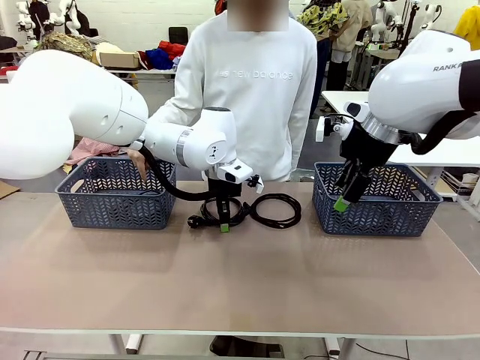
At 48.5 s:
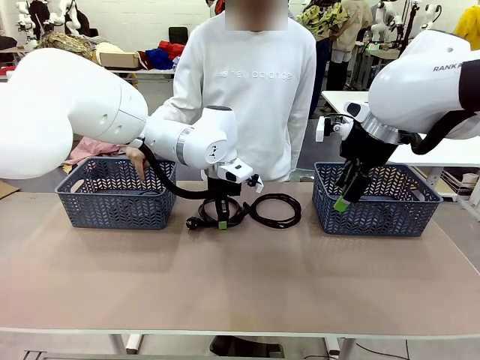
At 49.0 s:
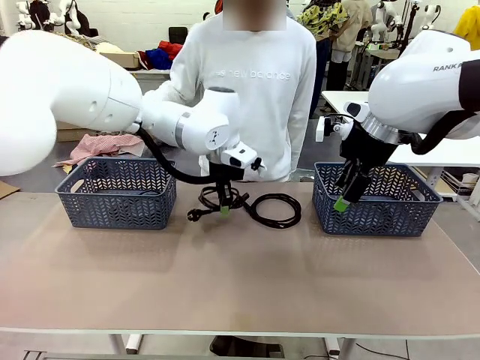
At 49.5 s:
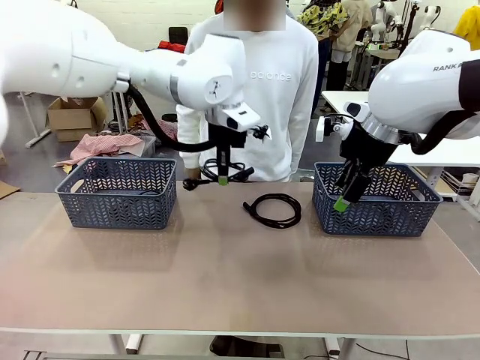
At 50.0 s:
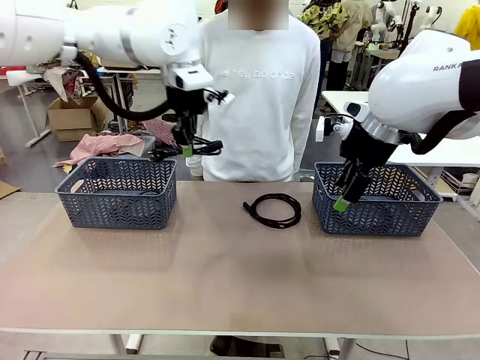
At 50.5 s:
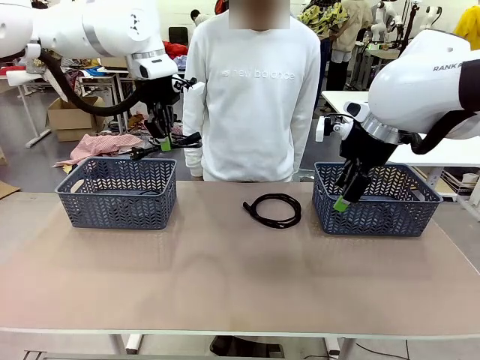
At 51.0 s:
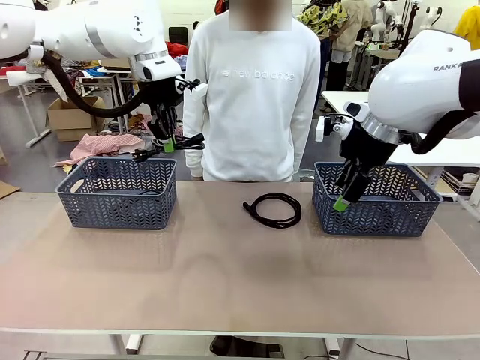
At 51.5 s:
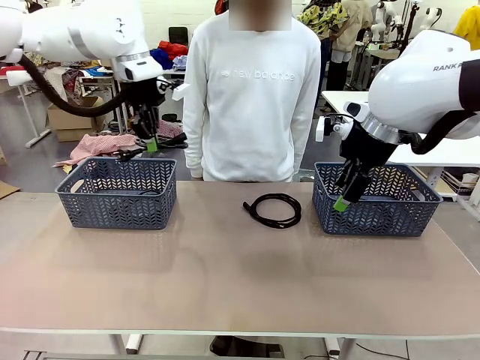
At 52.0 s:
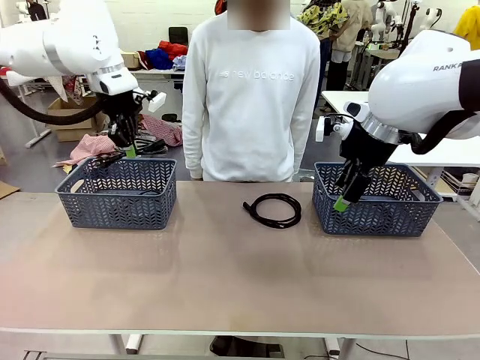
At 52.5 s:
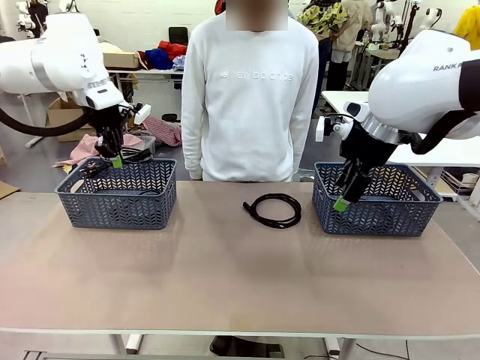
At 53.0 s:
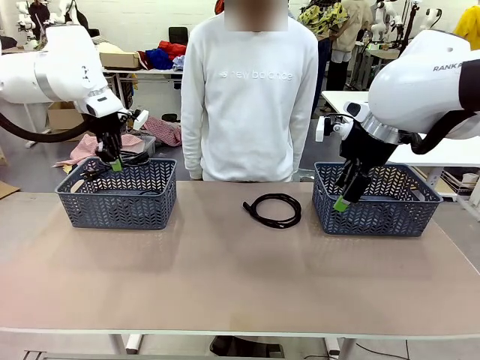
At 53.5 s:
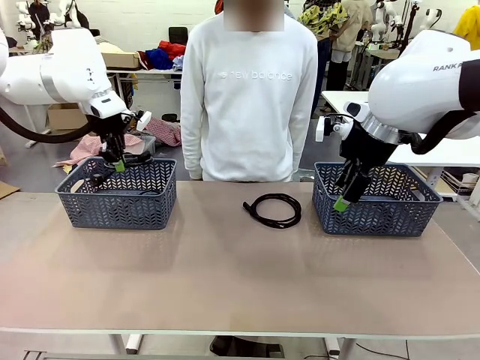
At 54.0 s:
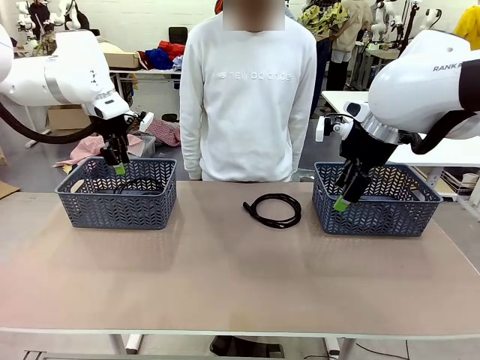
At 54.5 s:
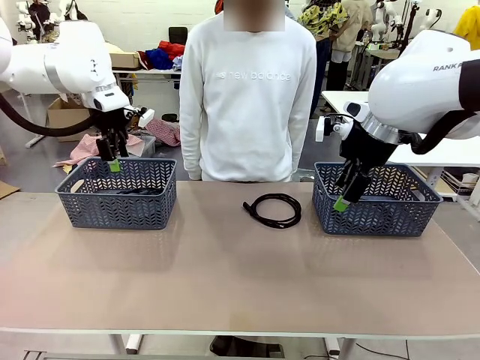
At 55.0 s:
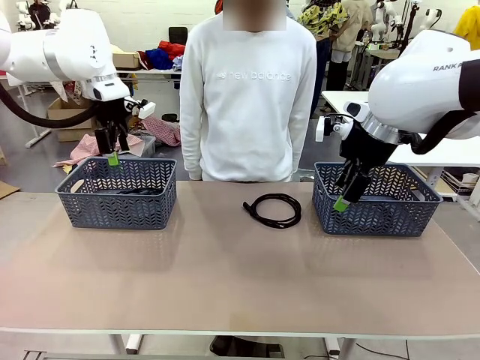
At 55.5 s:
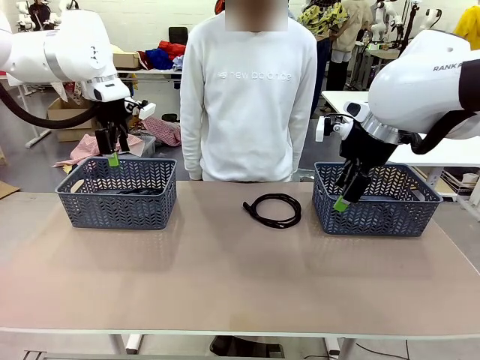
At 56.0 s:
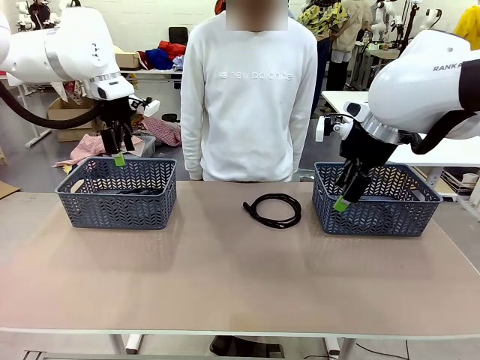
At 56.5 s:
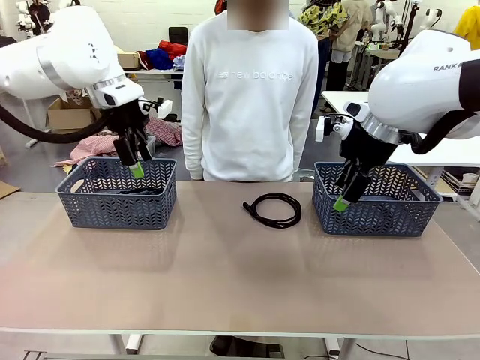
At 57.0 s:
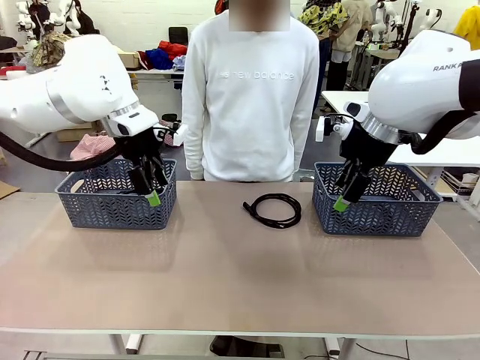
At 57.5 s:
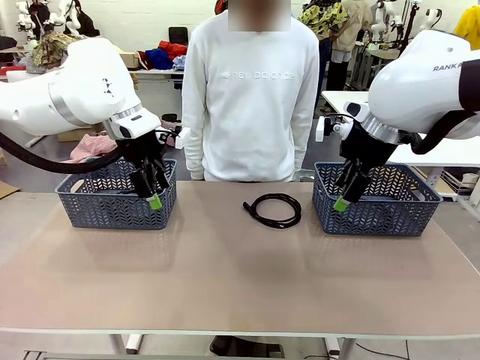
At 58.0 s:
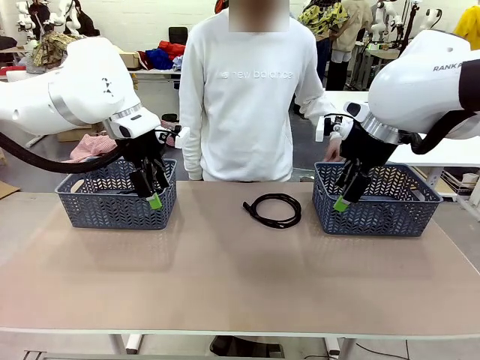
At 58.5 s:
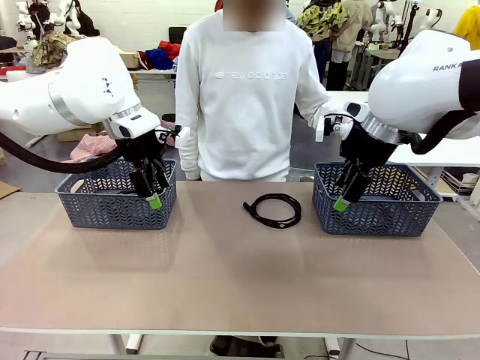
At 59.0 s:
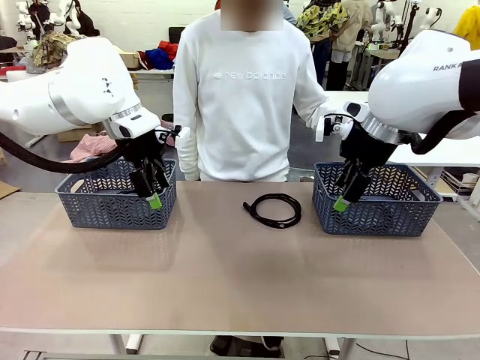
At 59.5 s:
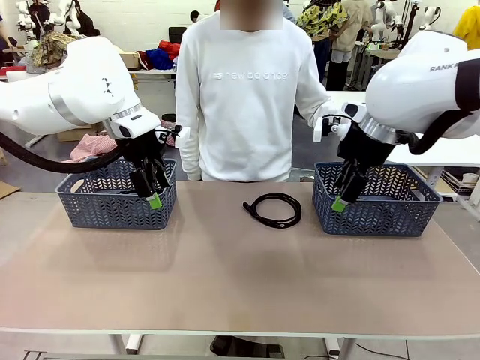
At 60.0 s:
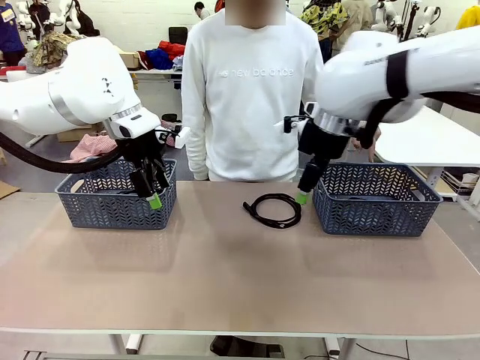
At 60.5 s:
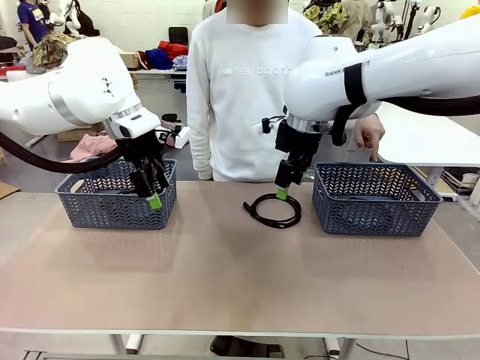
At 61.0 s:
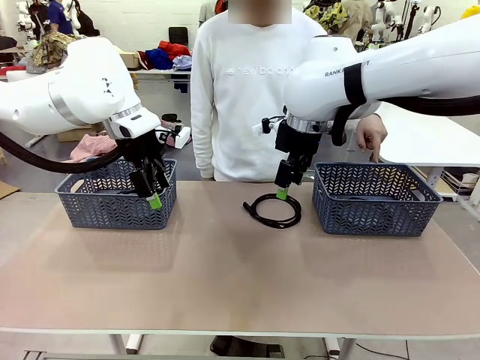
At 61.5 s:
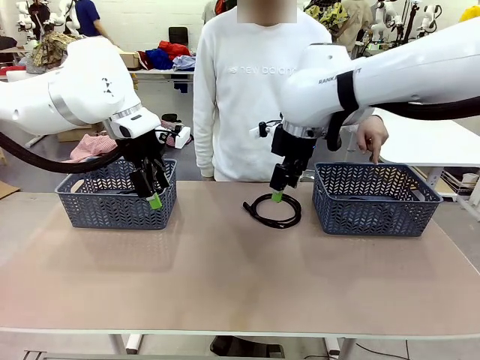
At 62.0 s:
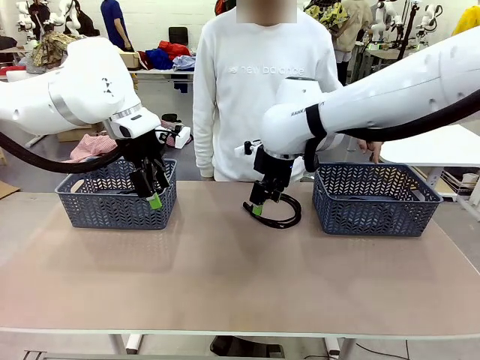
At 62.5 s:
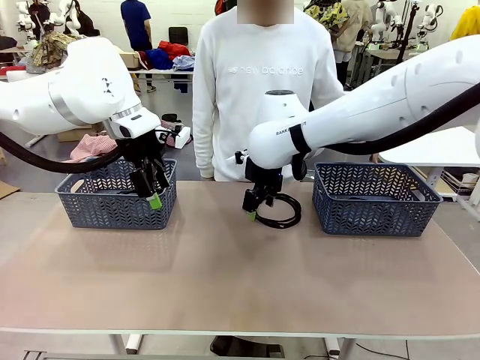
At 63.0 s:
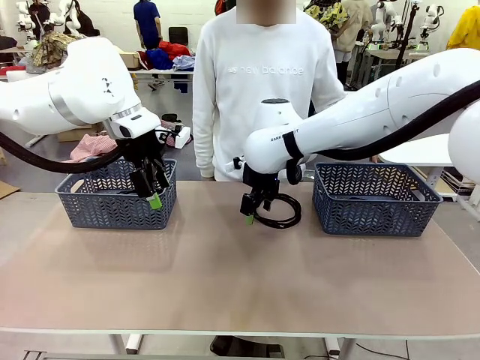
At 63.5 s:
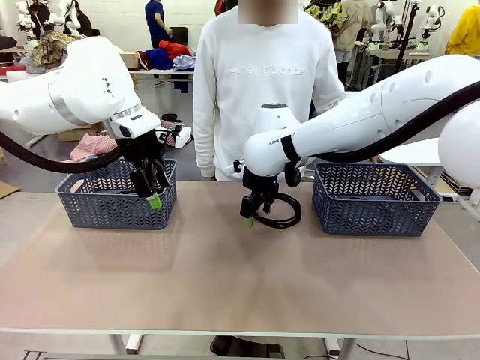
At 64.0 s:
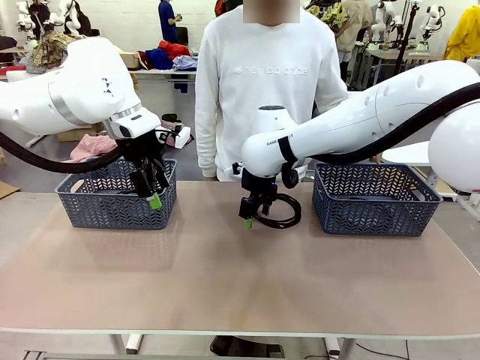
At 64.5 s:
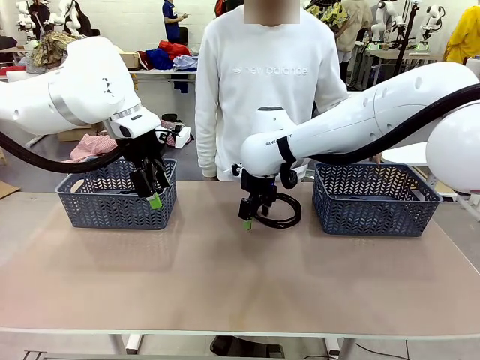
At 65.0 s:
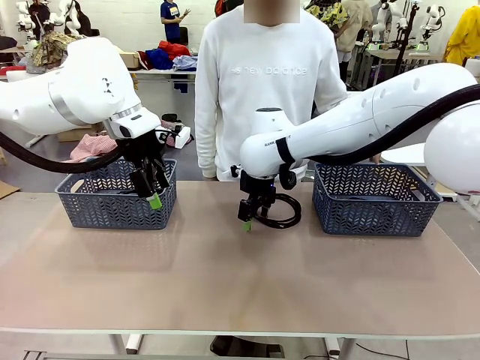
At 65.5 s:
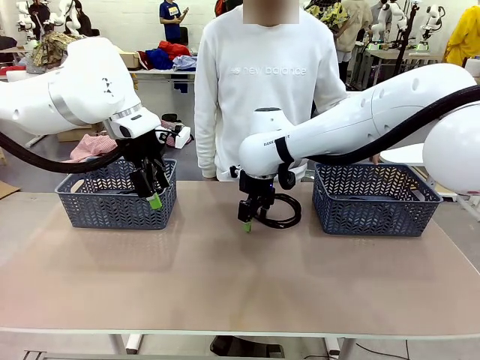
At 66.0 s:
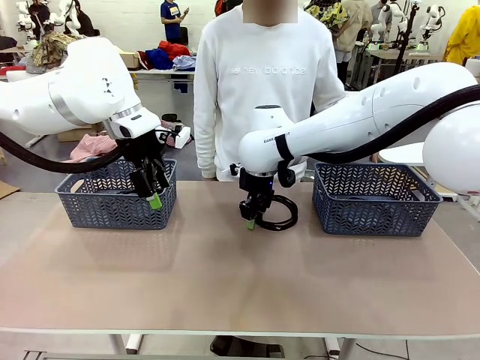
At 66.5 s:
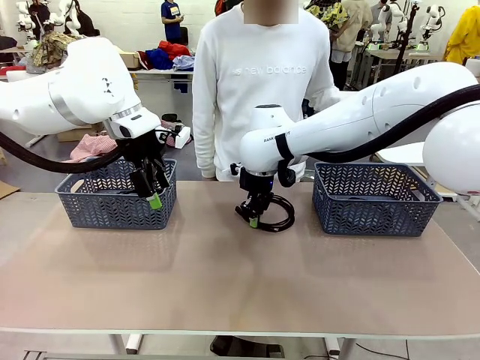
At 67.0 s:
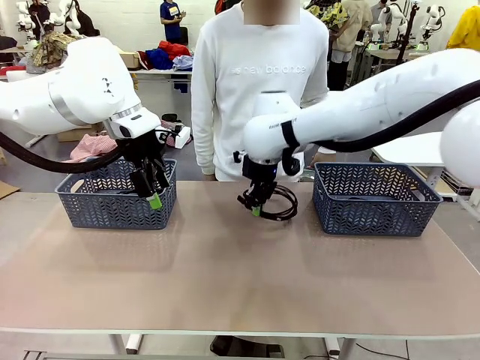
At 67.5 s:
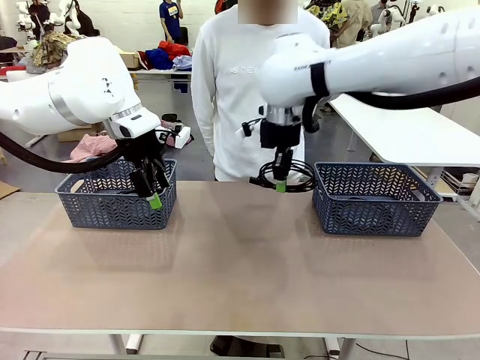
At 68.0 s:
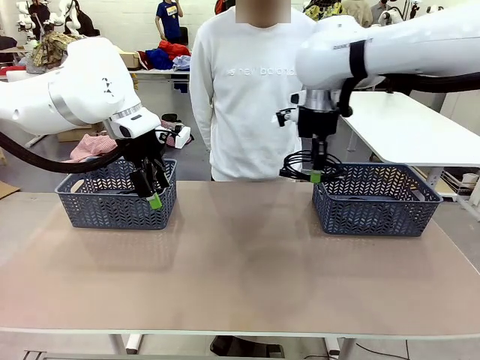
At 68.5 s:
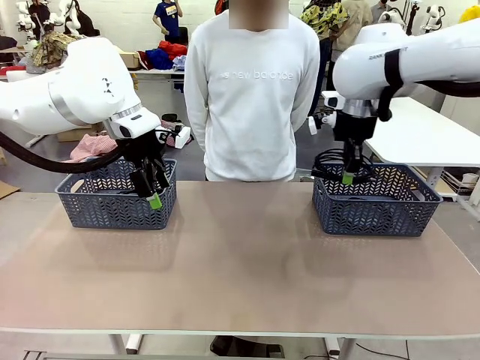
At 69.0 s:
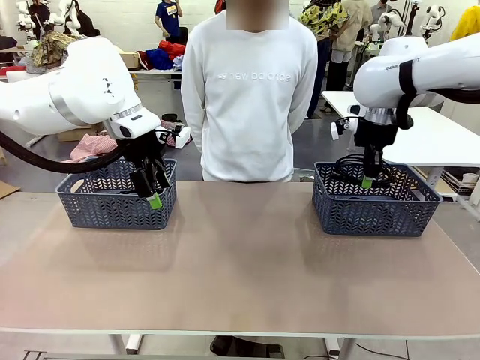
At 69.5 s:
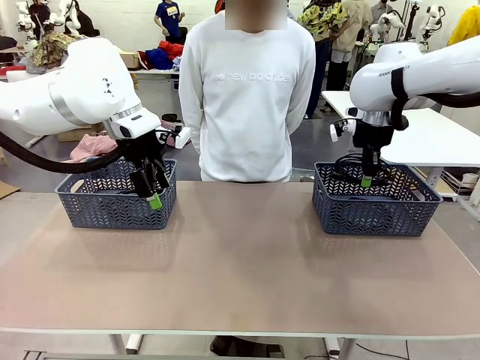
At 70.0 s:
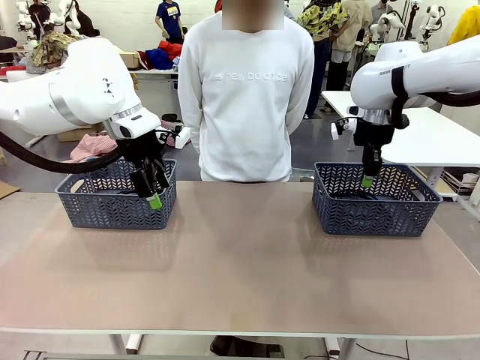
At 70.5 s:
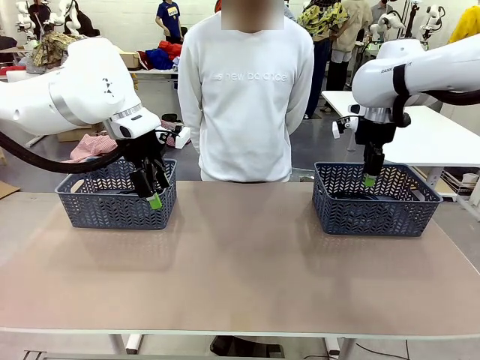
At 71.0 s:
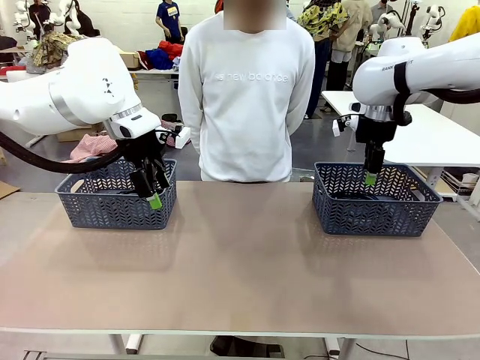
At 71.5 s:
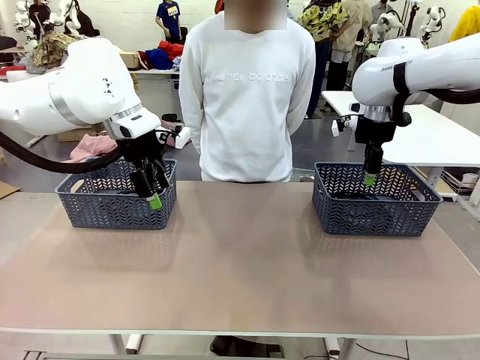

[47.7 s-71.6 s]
Task: Organize the cables according to human instructions.
Robot: Pick up a bundle of cables and place it in the basket indicated by the human.

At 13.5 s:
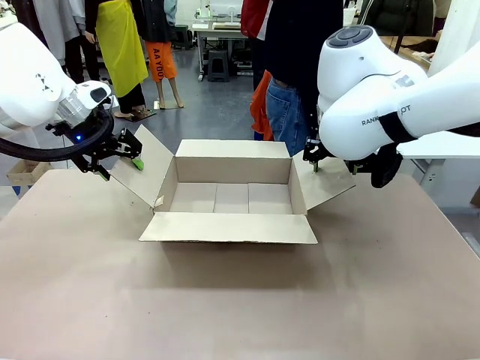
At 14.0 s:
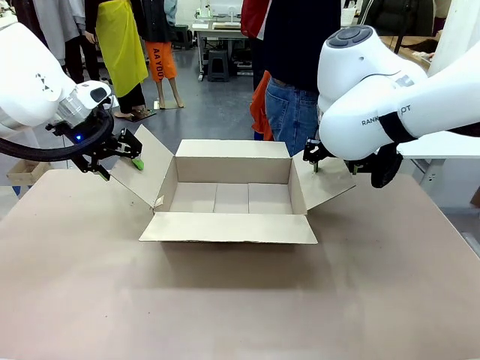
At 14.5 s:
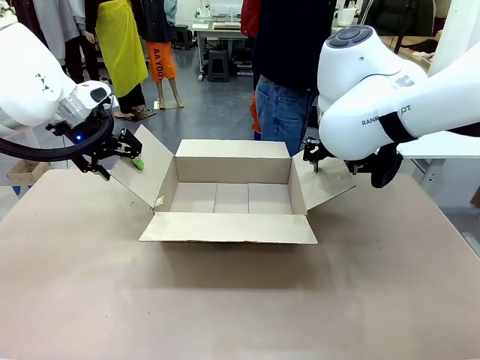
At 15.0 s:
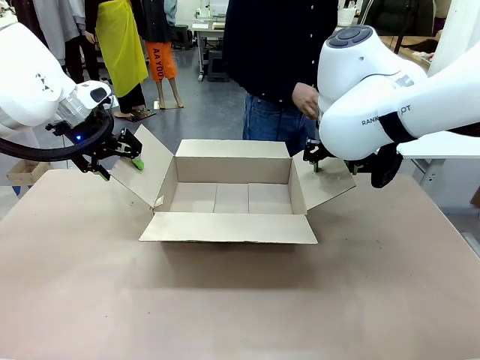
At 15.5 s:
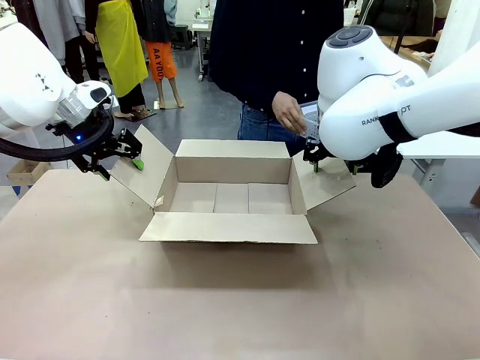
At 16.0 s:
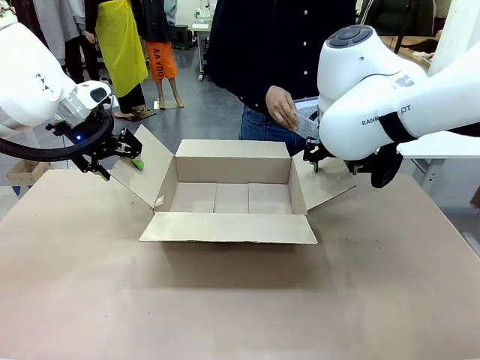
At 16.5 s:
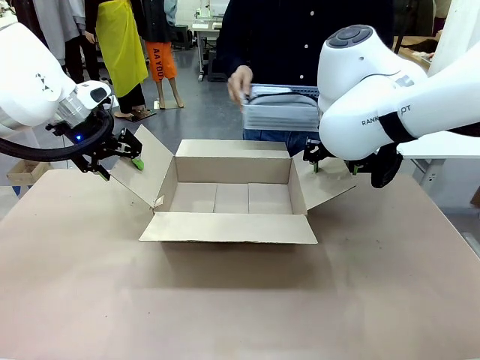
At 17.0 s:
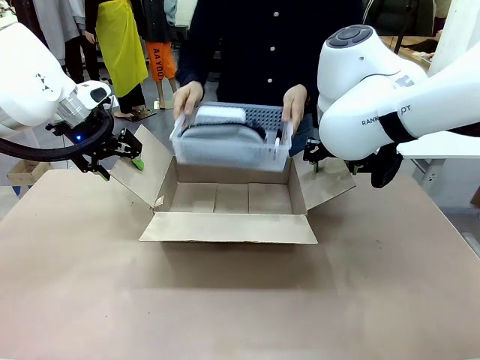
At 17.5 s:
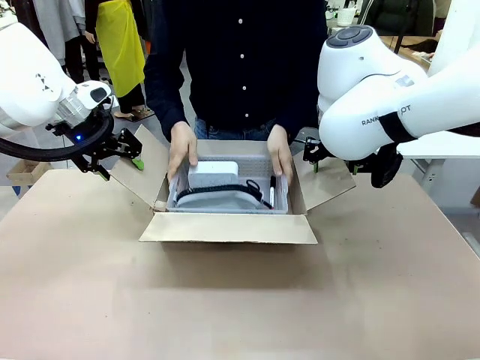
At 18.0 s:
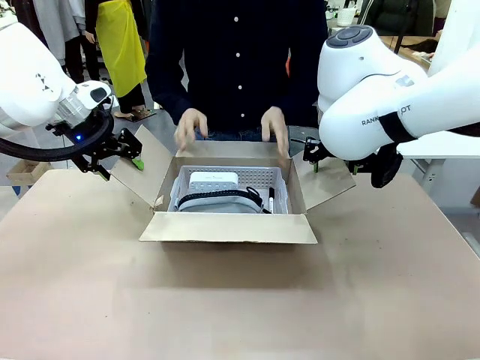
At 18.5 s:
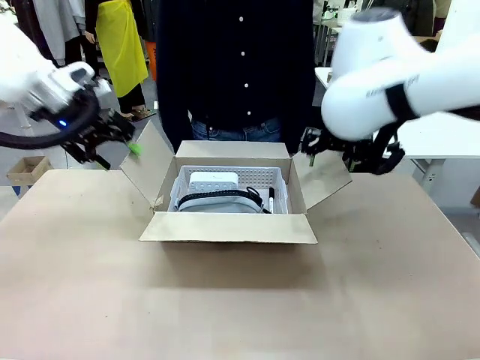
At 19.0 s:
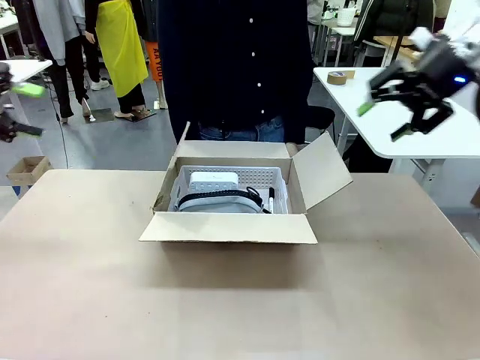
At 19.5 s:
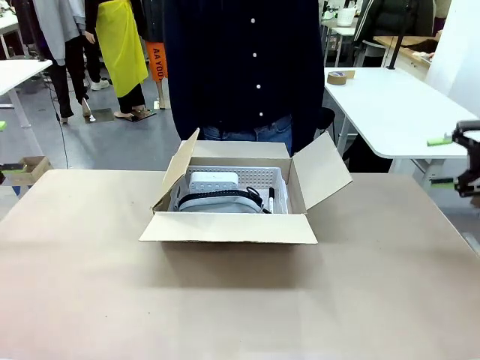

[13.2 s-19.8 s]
Task: Pack the gift set into the box.
Robot: Lift both hands away from the flaps of the Package Box.
Person: The human picks up the organizing basket and places the organizing basket into the package box on the robot table.
